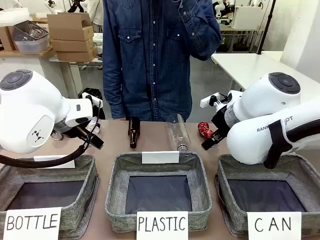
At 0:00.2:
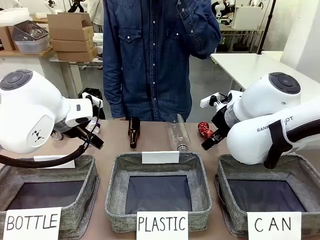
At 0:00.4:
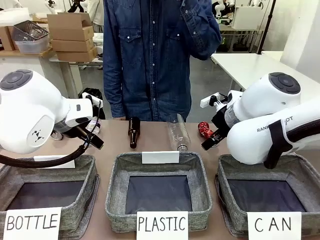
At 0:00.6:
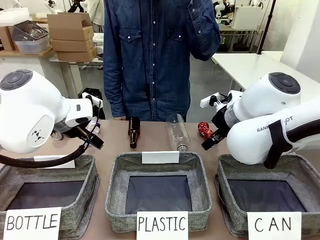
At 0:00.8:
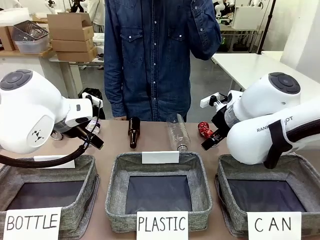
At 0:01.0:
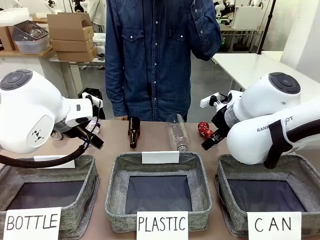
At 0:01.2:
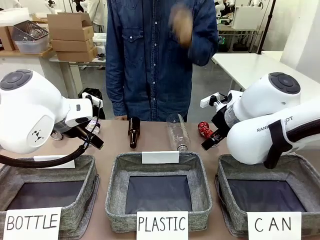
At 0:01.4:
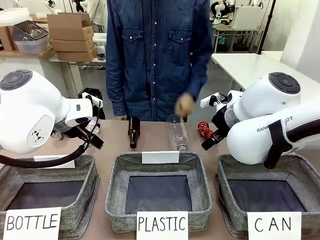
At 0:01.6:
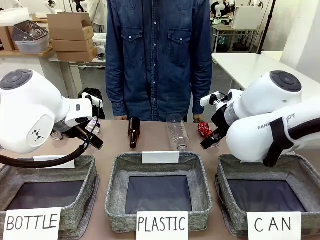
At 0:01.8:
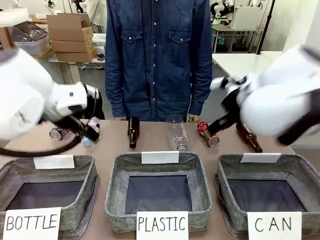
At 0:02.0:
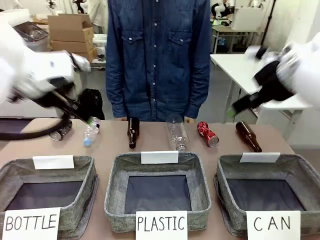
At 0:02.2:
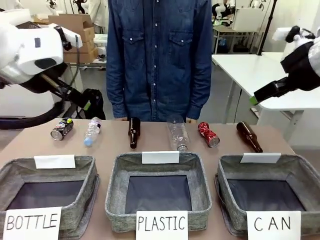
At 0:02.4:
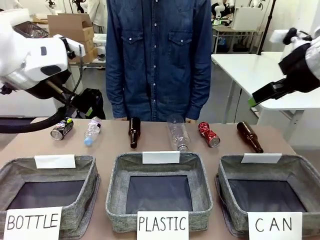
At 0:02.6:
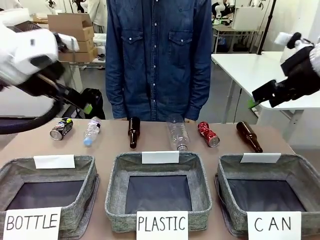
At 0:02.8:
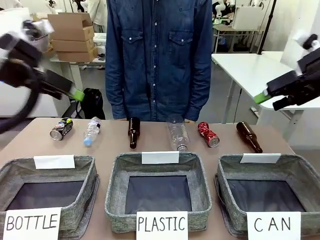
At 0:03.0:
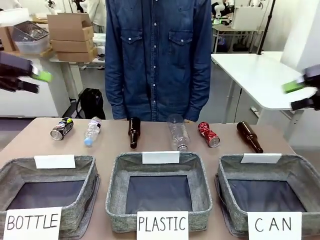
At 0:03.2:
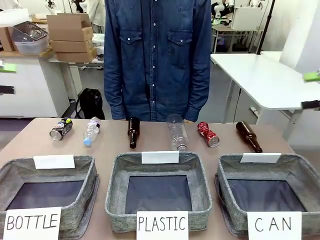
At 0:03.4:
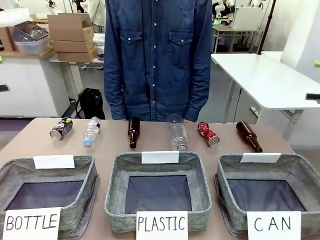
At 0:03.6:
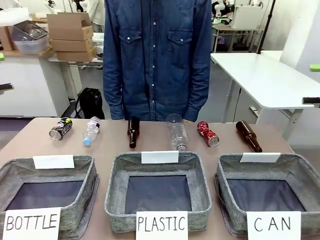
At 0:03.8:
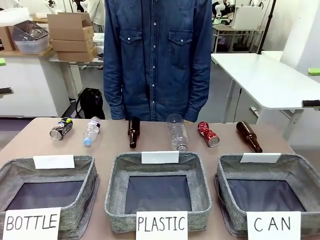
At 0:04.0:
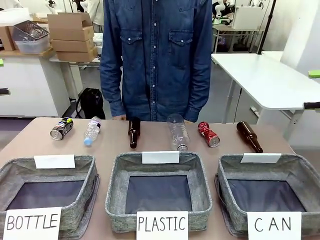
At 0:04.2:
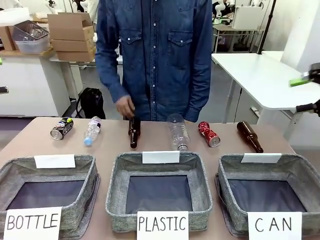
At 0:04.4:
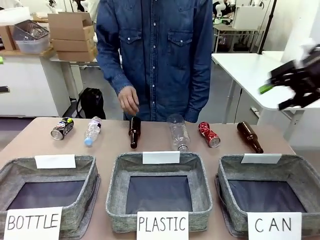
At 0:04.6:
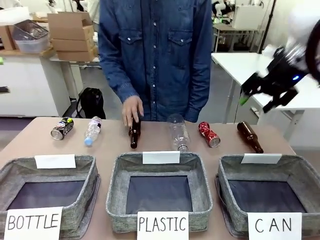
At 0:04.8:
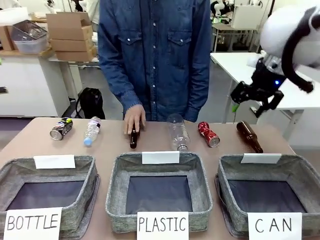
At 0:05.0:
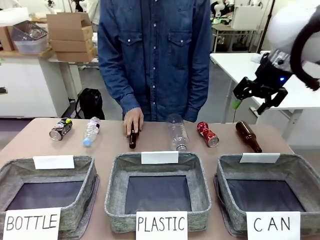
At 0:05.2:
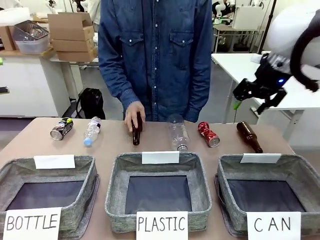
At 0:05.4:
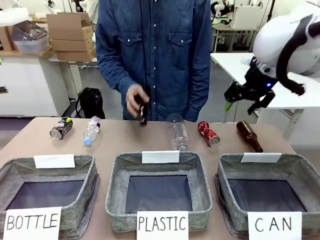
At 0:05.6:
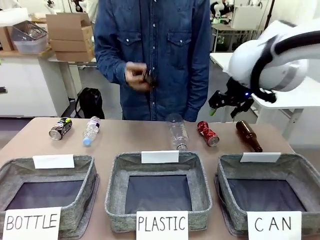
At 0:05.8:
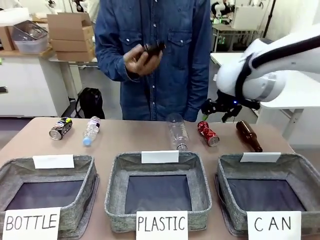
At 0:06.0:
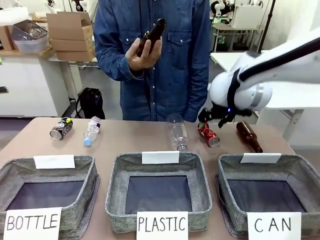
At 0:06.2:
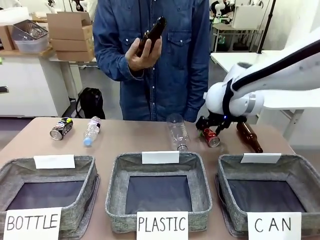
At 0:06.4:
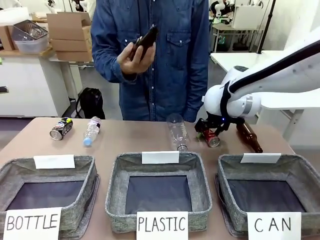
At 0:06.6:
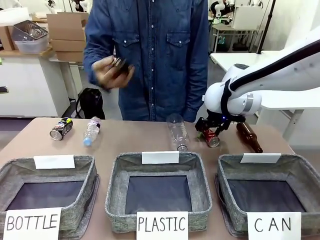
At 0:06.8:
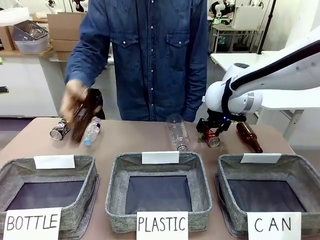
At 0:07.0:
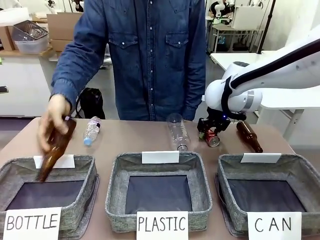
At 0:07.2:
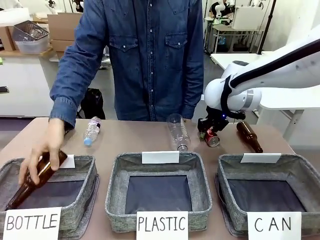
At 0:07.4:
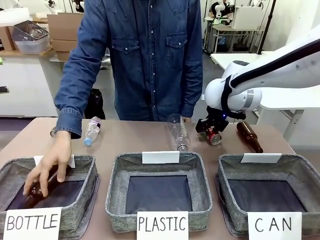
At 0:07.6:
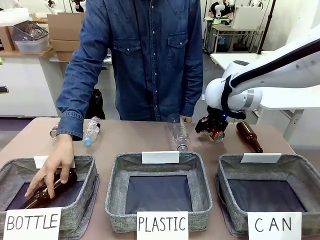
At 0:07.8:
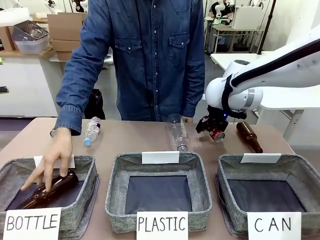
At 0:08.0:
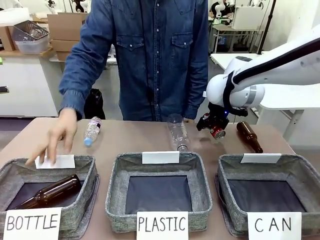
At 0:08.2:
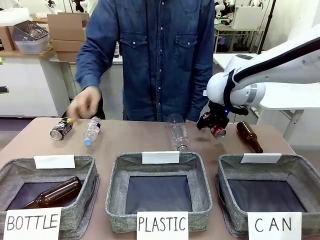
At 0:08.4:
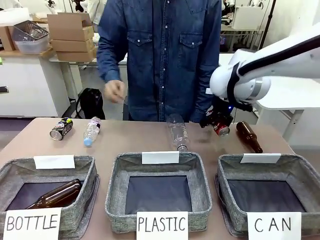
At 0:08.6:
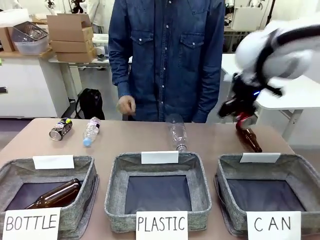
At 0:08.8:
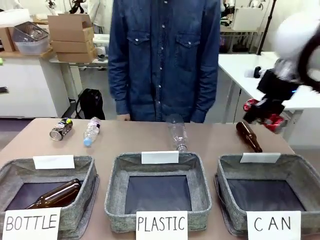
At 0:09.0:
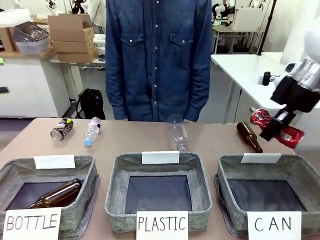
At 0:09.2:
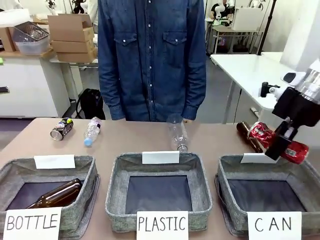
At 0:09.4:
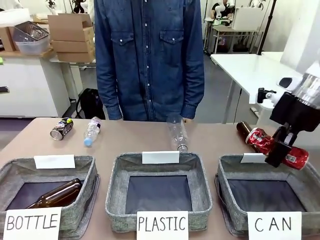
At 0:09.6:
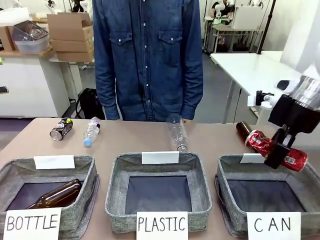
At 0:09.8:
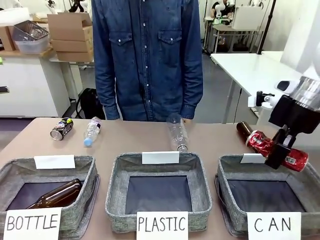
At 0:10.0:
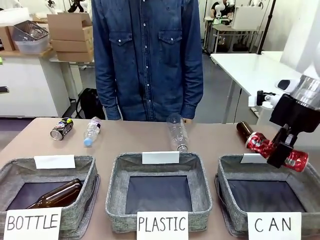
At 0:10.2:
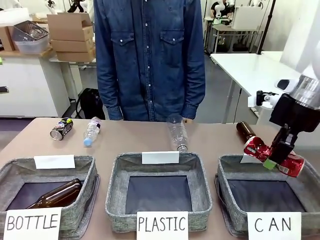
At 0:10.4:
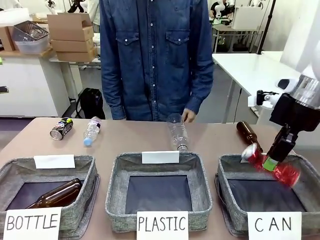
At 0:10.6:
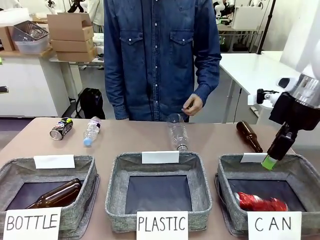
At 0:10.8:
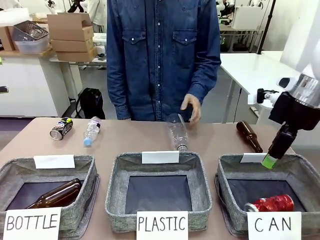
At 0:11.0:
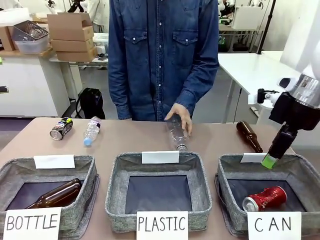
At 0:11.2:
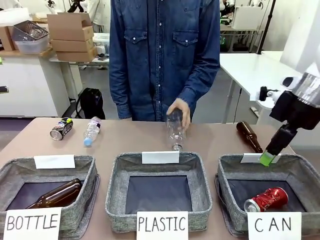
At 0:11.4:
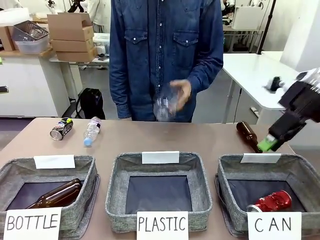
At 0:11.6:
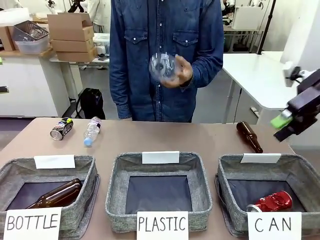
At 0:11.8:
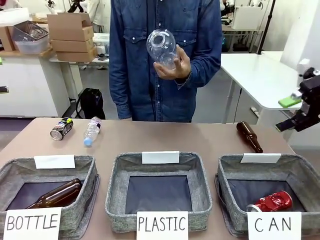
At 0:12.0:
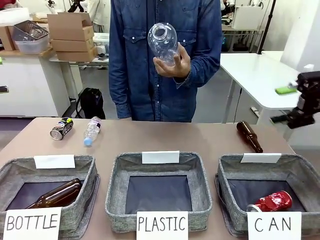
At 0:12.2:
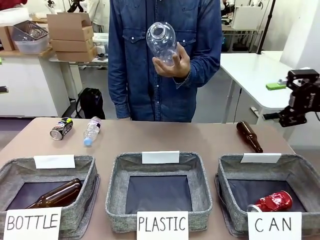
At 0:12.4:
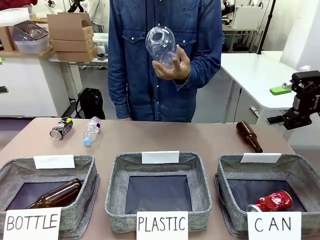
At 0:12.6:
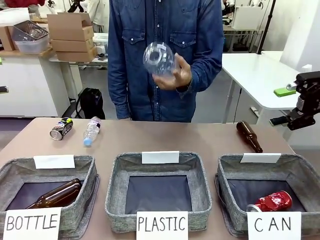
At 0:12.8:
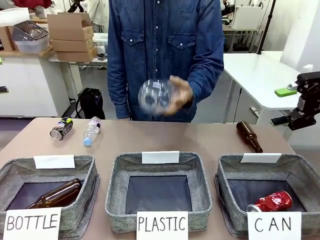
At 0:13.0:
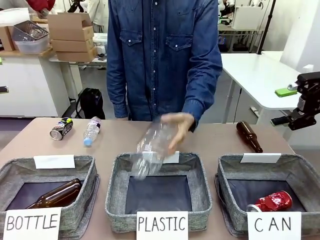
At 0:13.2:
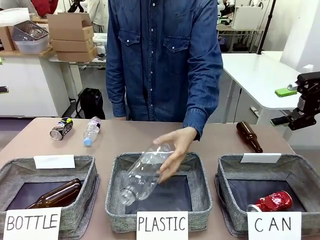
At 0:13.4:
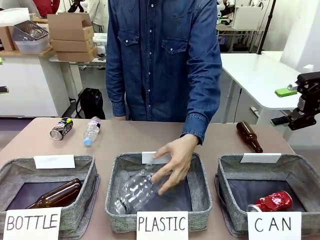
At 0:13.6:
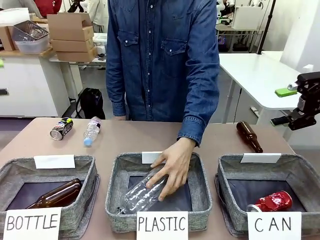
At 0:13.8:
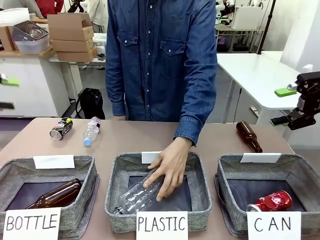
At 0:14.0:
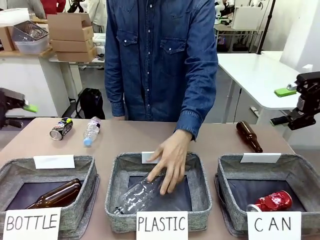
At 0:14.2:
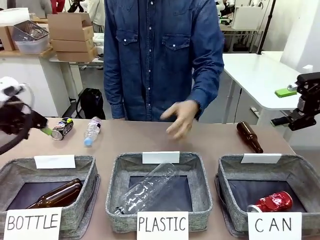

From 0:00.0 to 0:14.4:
Task: Sort the can waste into the basket.
Robot: Pick up the can waste from the table and place it in the right Fabric basket.

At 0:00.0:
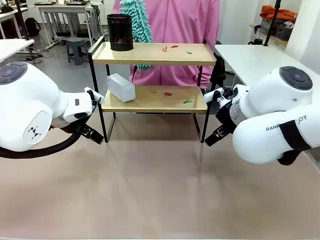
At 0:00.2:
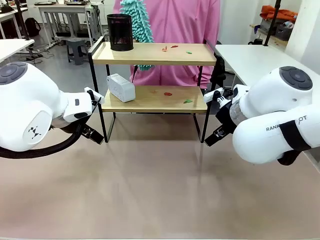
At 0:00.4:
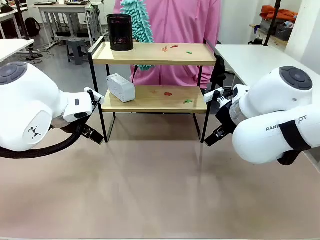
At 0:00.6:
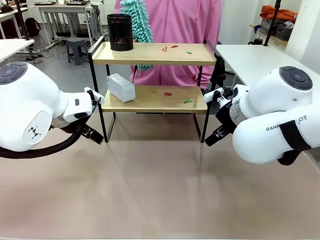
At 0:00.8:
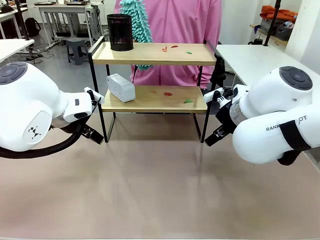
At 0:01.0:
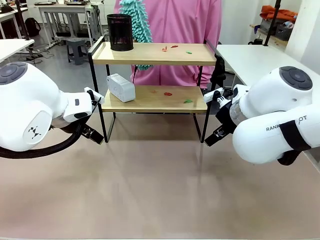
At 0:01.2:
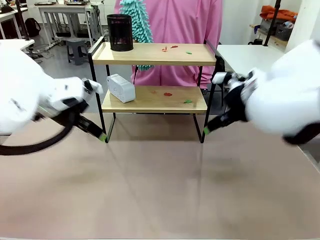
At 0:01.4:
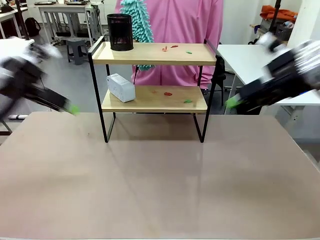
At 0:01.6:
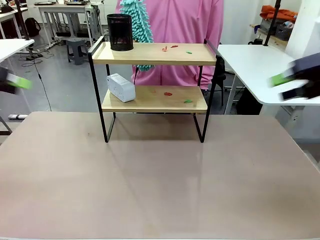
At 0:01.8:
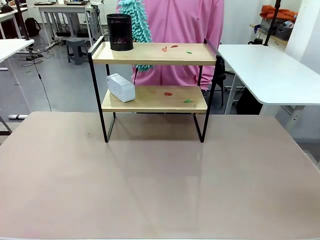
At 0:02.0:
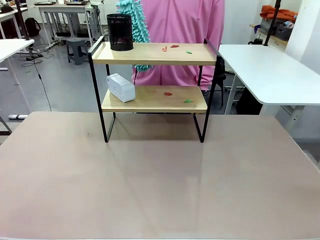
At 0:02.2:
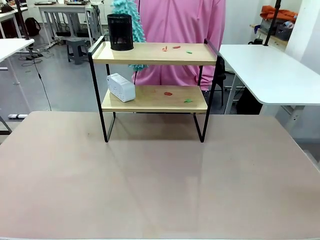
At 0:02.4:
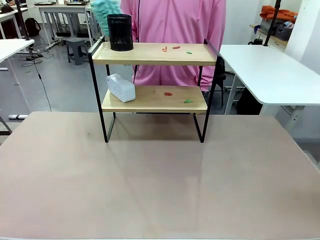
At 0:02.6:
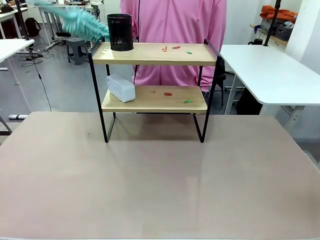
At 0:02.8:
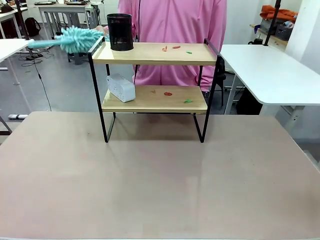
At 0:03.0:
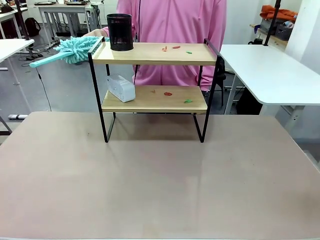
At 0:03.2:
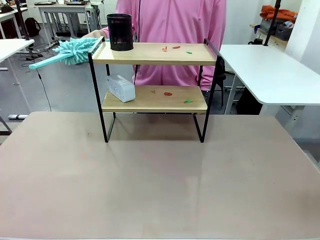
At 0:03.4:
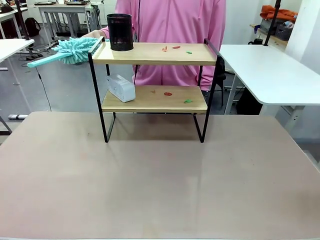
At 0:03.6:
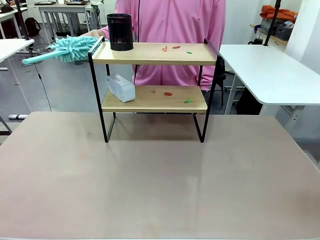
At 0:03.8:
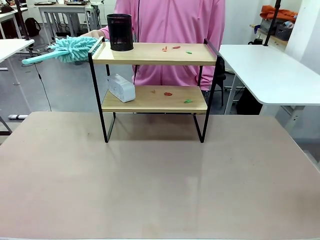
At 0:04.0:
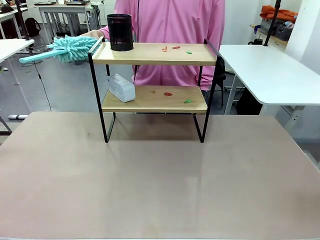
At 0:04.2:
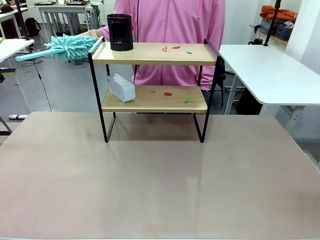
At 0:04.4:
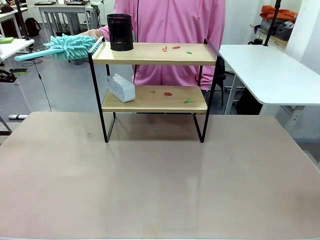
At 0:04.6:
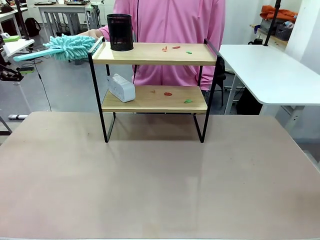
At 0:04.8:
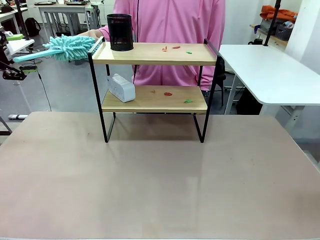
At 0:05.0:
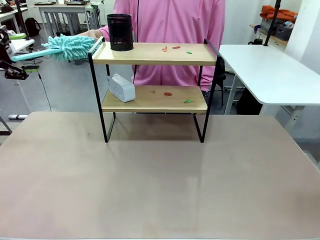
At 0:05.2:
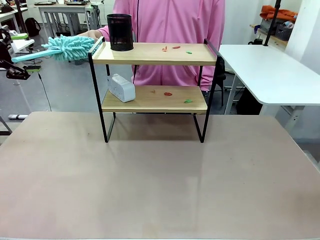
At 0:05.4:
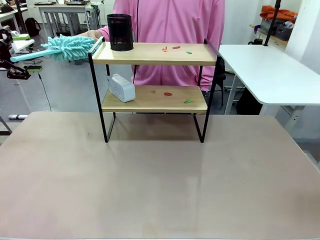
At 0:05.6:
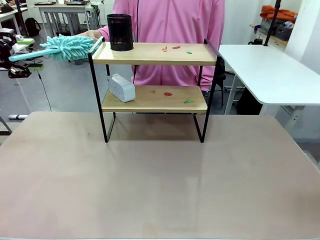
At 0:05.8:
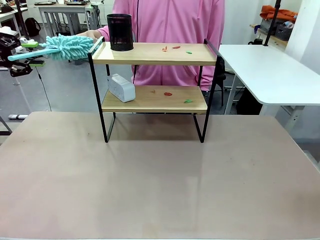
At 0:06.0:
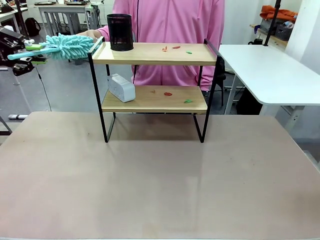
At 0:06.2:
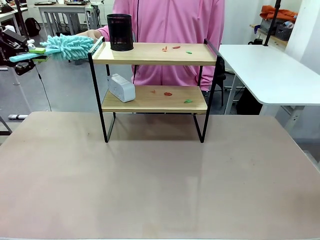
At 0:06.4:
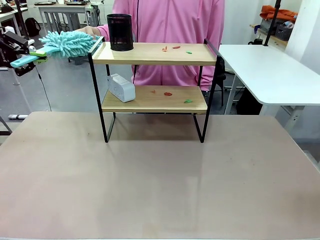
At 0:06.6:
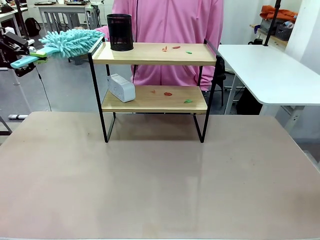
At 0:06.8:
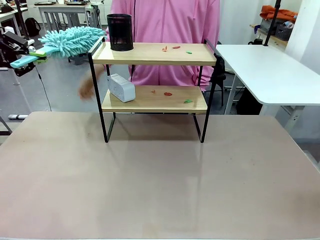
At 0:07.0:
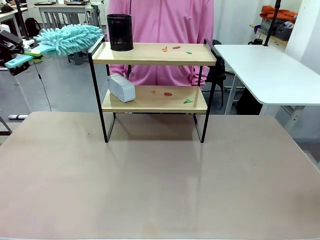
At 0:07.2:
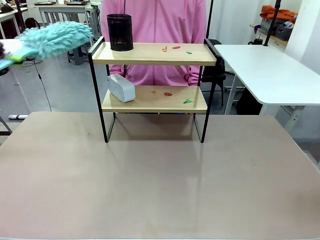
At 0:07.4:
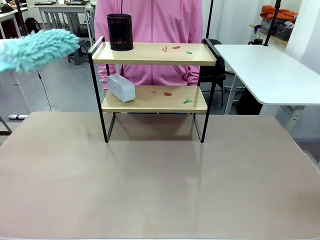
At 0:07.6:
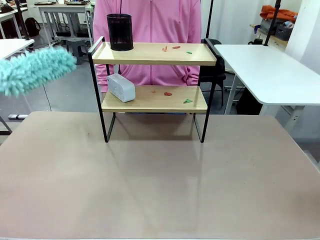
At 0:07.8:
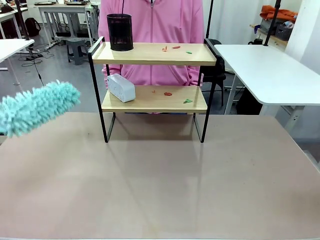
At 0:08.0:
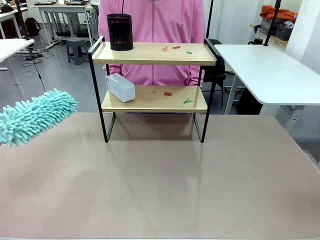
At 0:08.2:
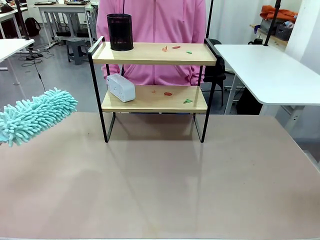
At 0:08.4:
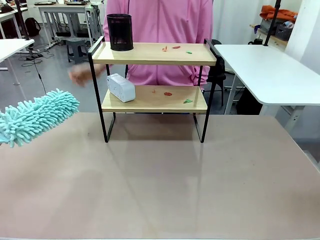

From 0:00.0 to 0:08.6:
Task: Clean the shelf.
Robot: Pick up the Duster from the human.
Person: Hand the Duster to the robot.
